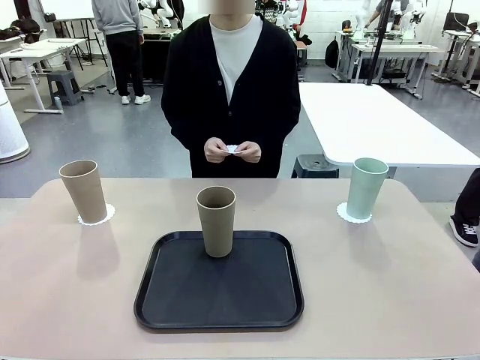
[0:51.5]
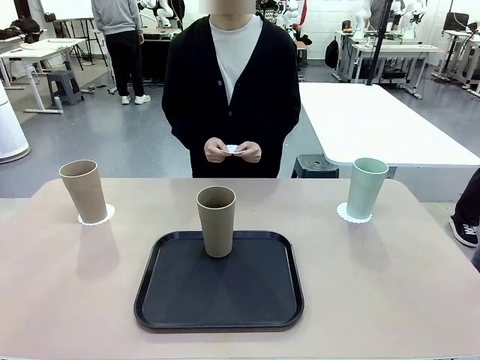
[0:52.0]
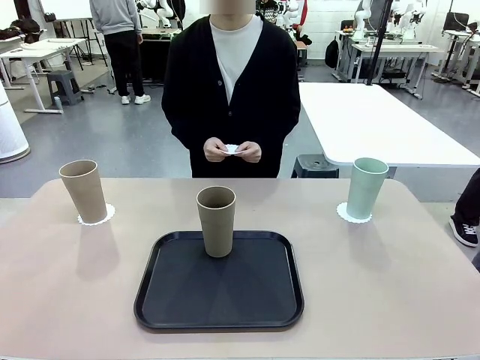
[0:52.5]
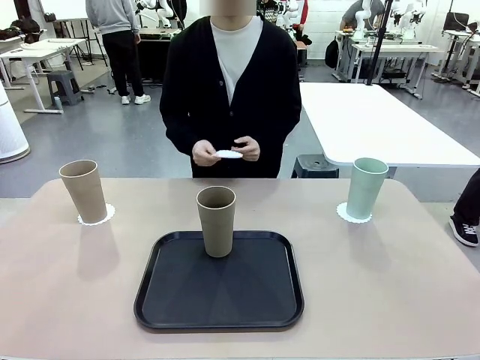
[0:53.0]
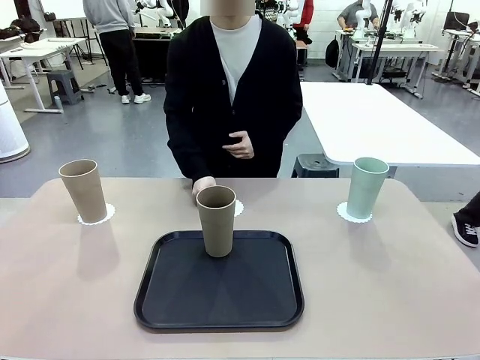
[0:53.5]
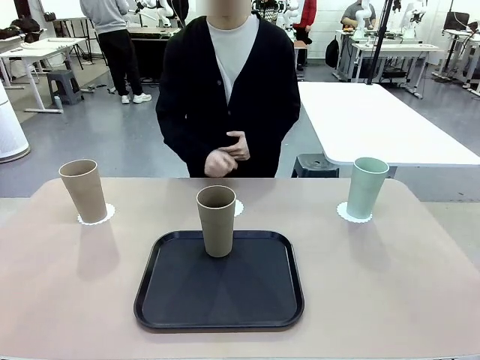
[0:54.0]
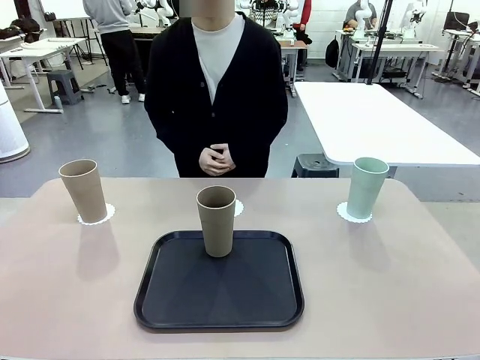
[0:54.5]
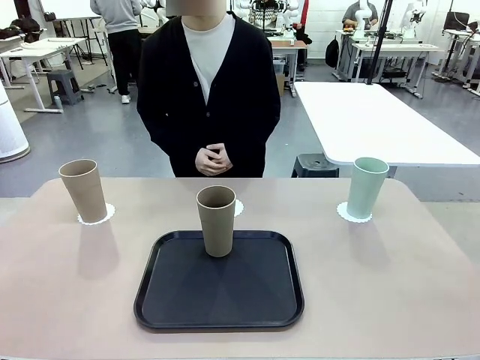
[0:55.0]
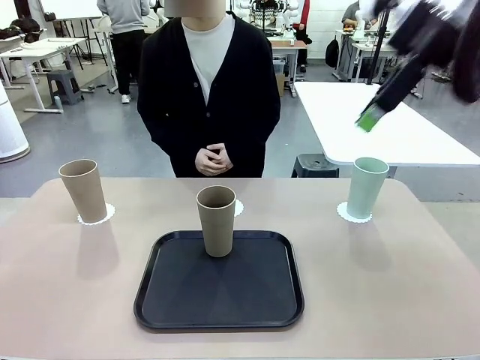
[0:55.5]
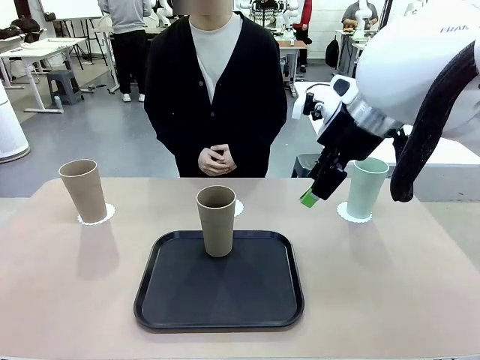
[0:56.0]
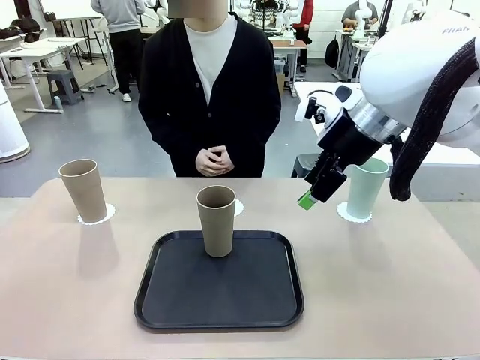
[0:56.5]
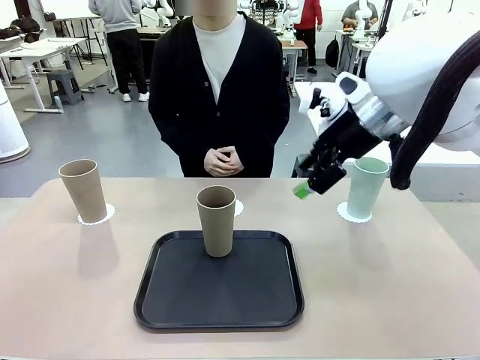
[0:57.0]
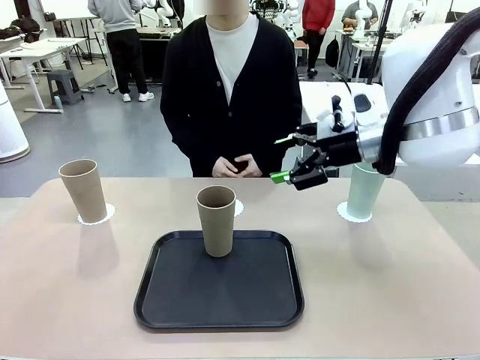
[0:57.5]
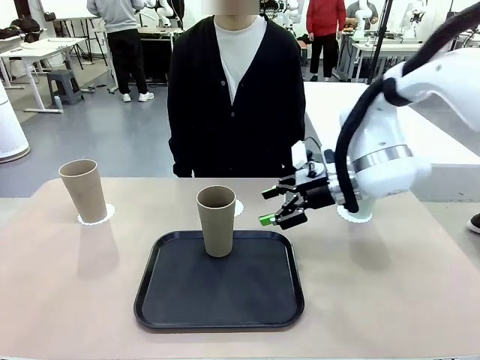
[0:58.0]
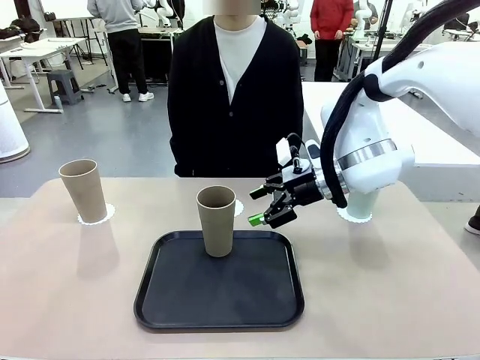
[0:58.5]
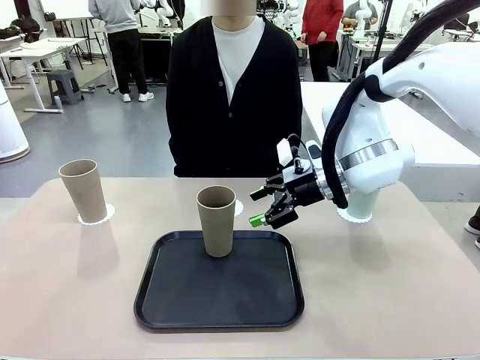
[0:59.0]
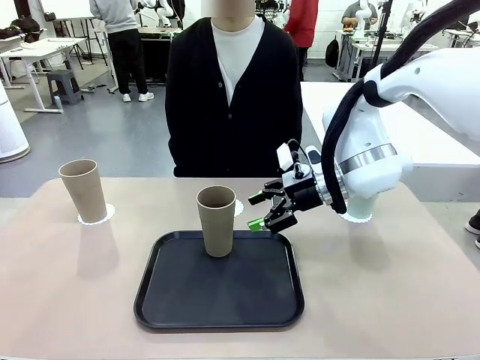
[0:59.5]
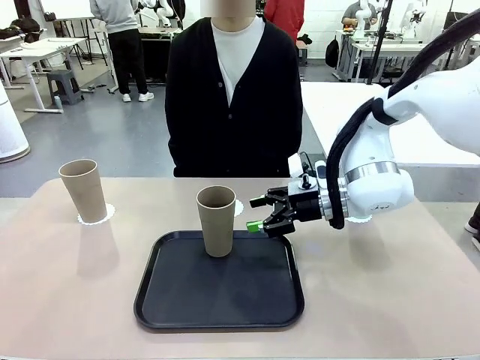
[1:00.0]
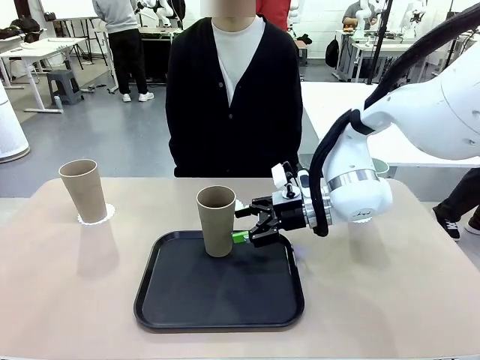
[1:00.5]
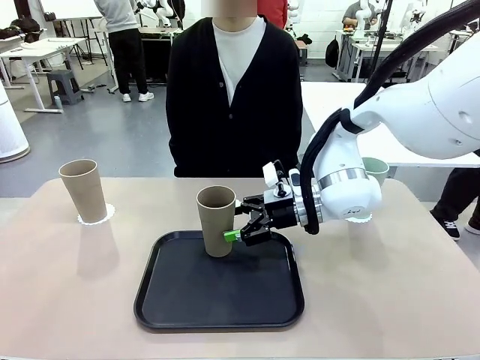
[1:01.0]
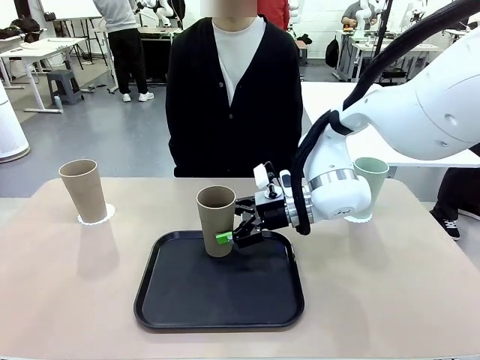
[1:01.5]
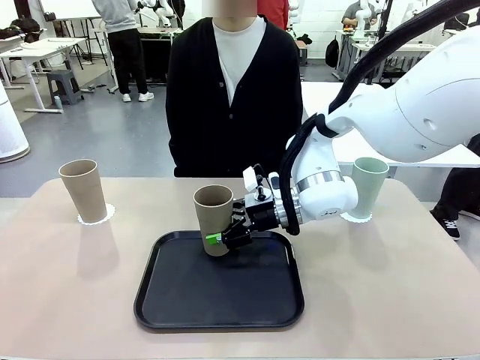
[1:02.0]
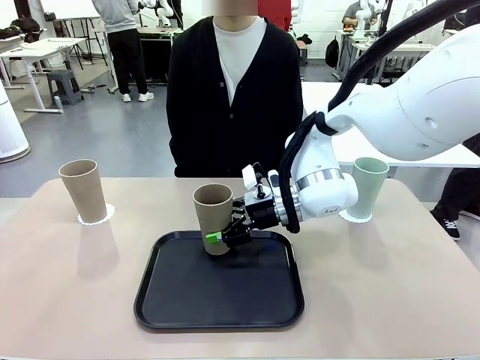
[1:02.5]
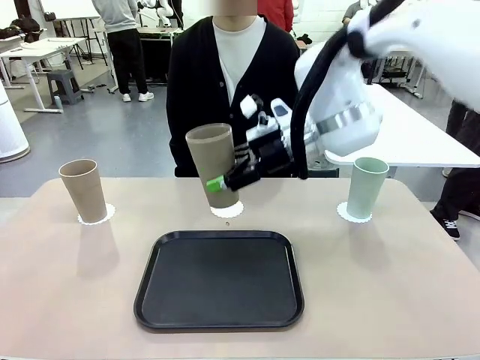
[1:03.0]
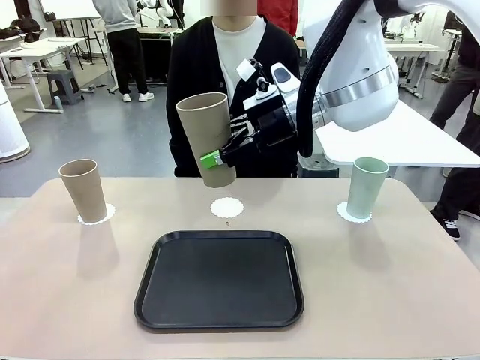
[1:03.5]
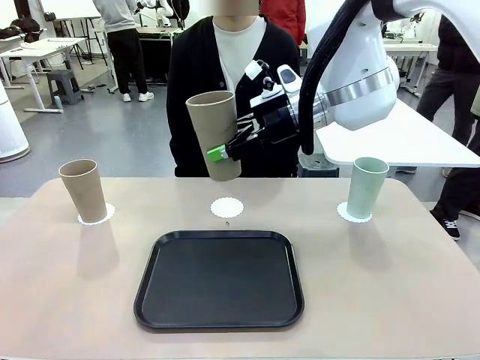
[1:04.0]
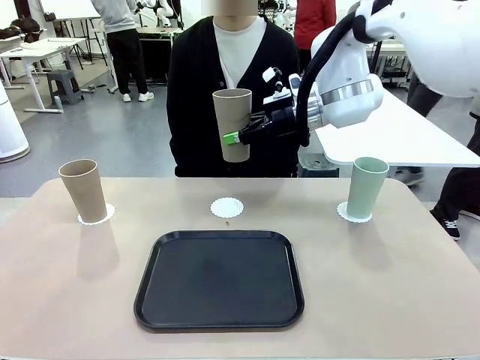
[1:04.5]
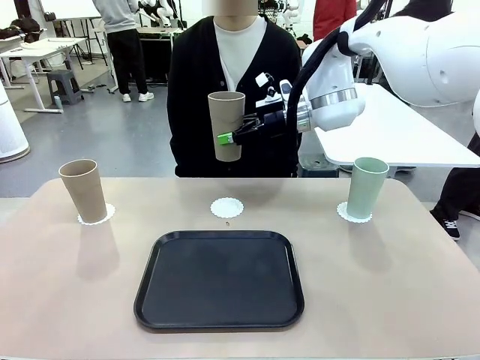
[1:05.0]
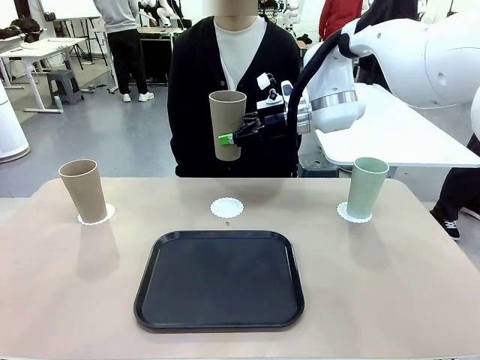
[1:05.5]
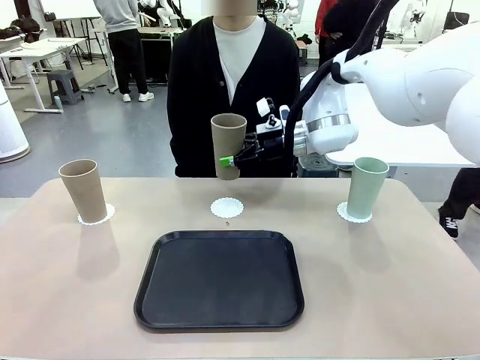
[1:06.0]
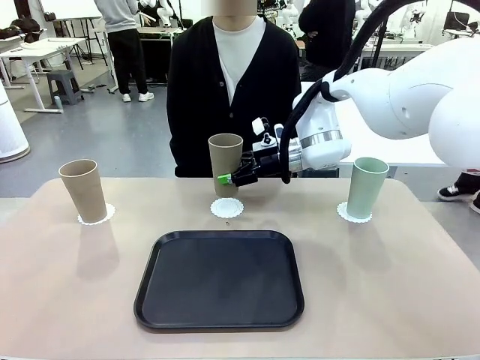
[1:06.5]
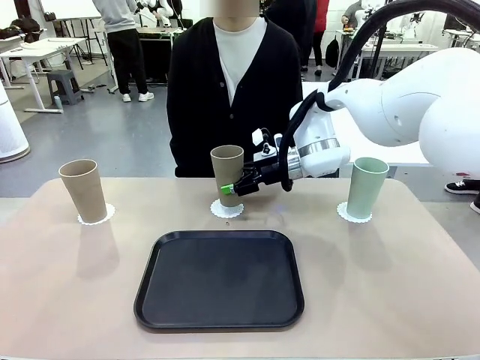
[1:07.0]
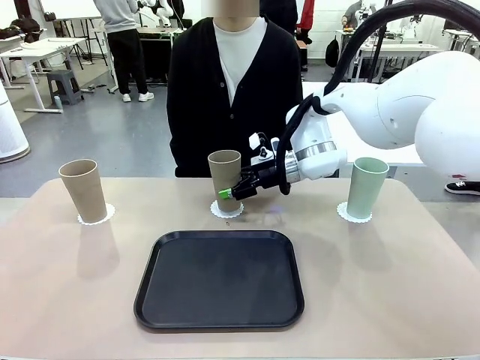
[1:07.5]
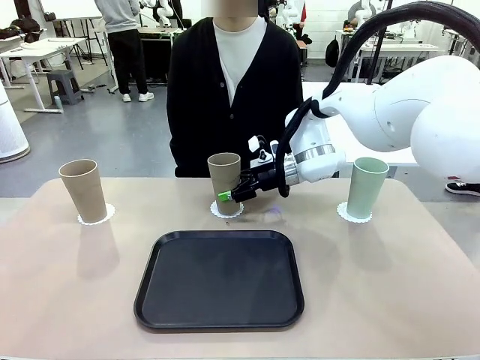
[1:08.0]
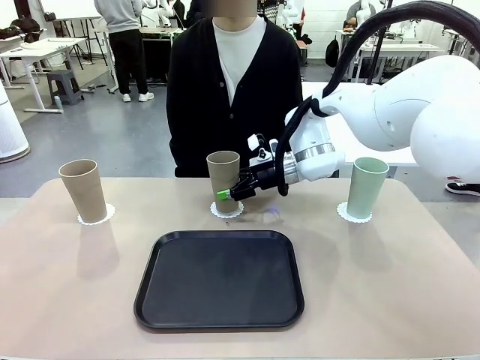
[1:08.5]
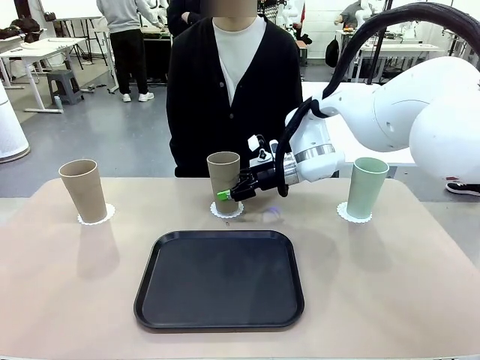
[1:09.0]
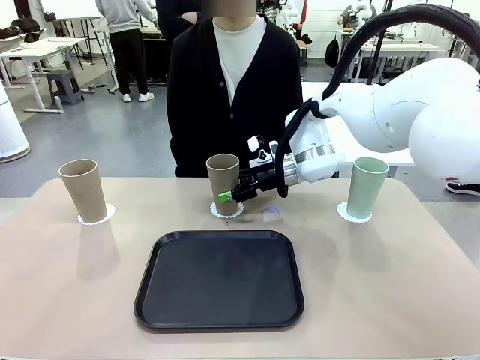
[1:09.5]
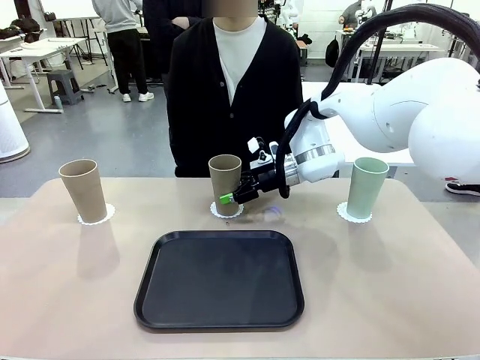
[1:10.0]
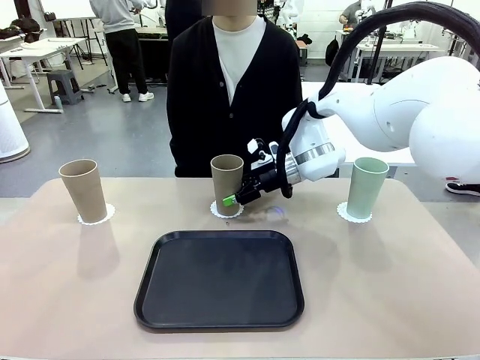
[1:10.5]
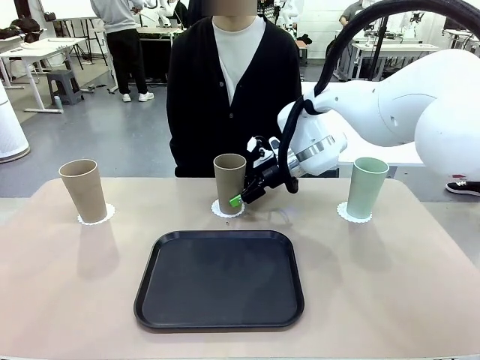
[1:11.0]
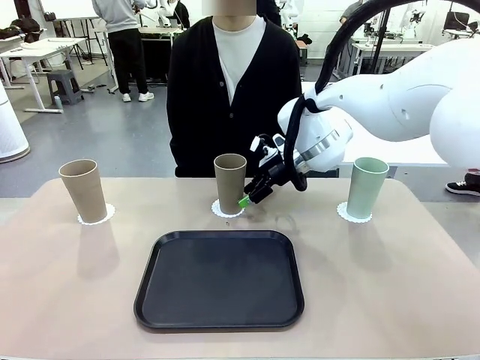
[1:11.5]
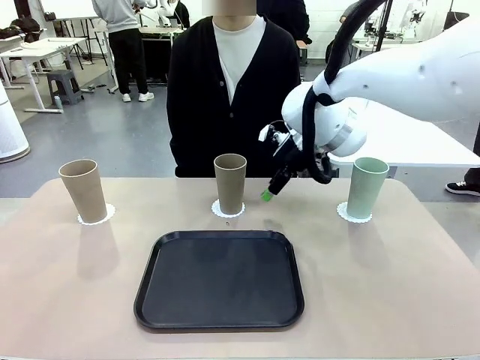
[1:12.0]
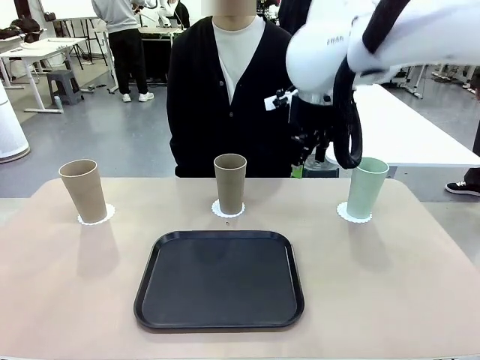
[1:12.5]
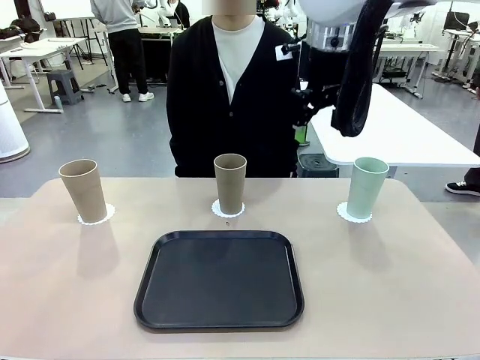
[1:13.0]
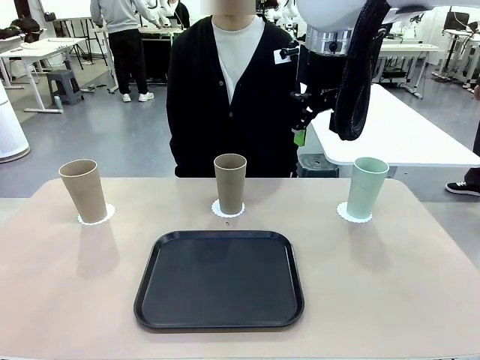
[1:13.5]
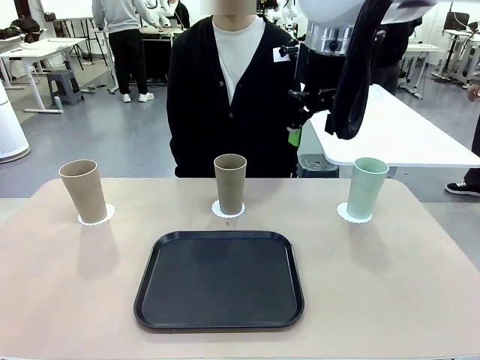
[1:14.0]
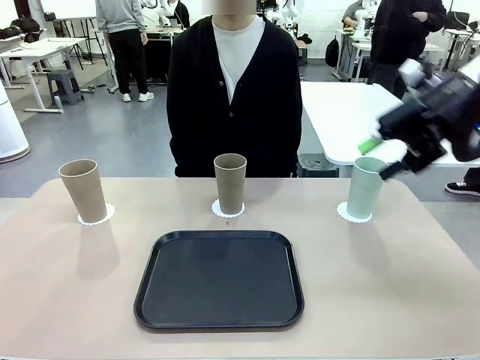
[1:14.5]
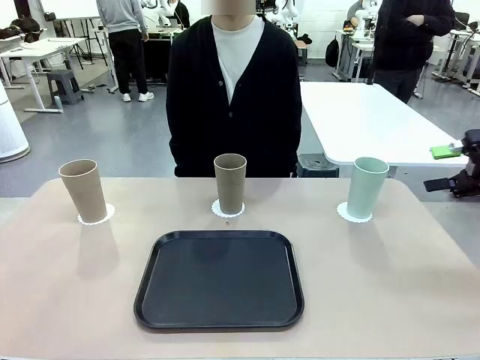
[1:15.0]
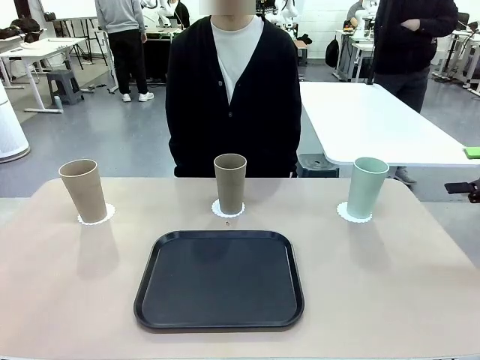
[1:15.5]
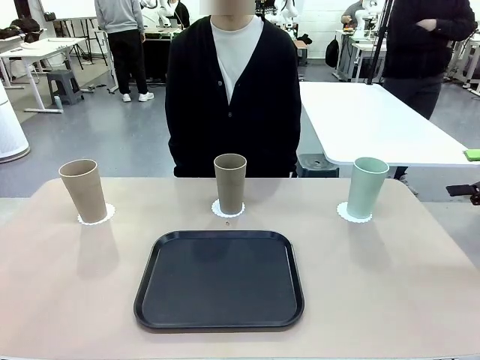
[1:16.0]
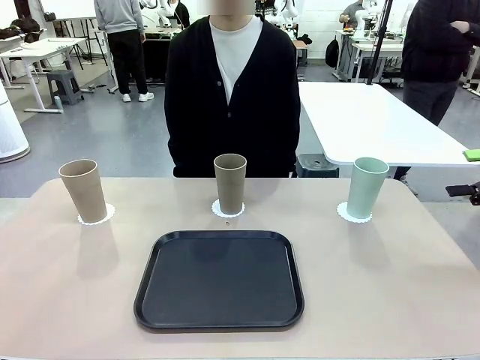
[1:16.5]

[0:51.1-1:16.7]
Task: Place coasters on the table and set cups on them.
Robot: Take one Reusable plastic cup from the Flat Tray and place it on a coaster set by the human.
Person: Place one coaster in the only remaining area.
